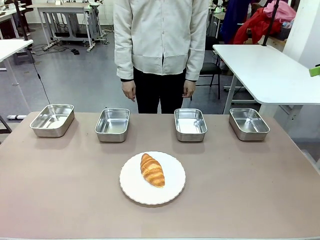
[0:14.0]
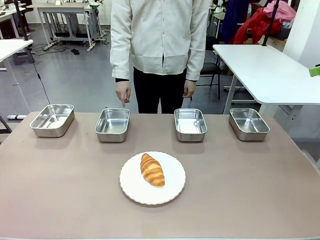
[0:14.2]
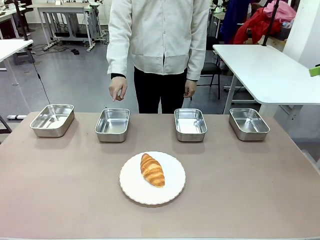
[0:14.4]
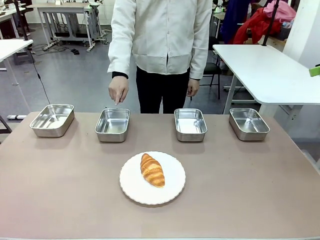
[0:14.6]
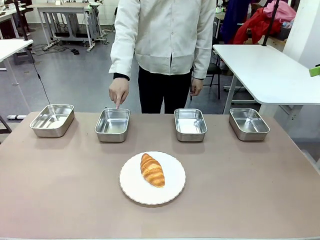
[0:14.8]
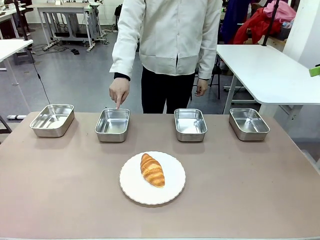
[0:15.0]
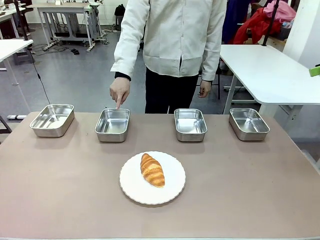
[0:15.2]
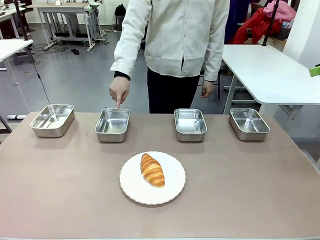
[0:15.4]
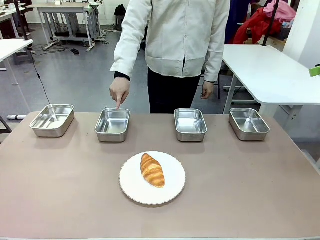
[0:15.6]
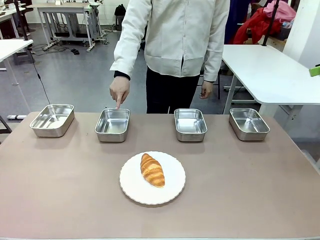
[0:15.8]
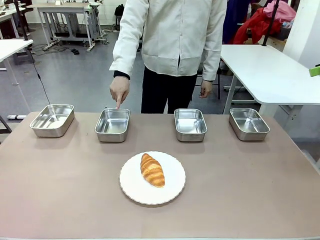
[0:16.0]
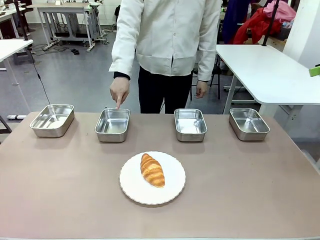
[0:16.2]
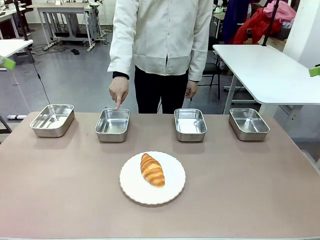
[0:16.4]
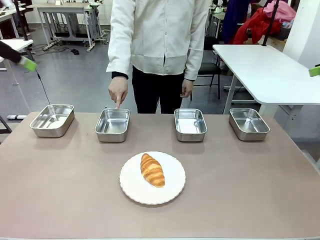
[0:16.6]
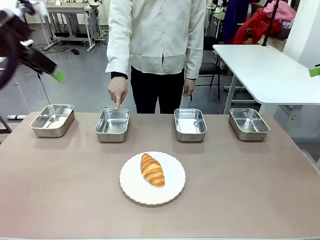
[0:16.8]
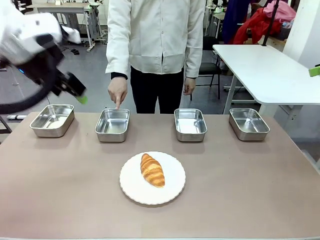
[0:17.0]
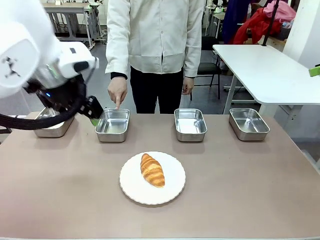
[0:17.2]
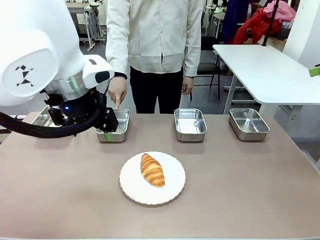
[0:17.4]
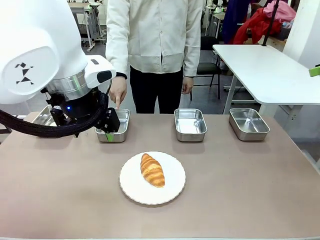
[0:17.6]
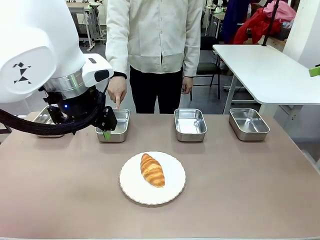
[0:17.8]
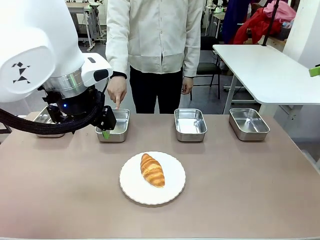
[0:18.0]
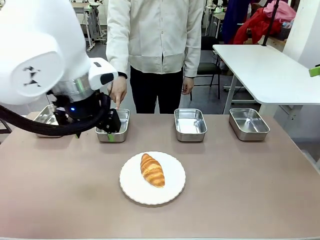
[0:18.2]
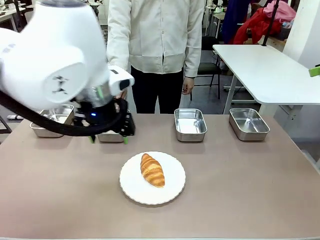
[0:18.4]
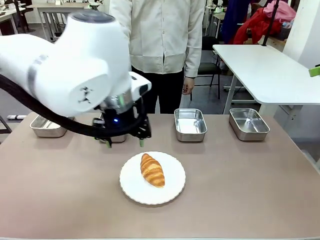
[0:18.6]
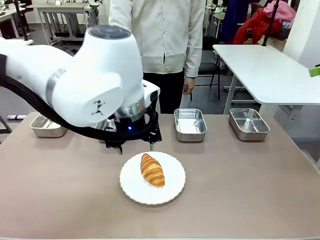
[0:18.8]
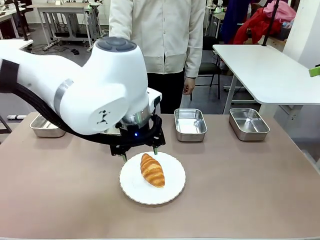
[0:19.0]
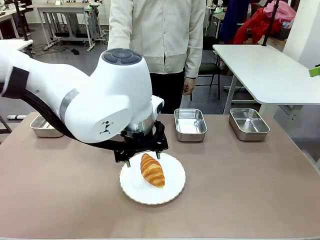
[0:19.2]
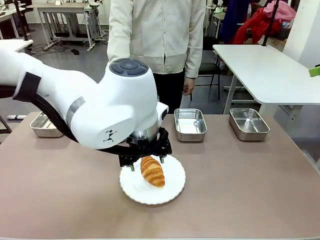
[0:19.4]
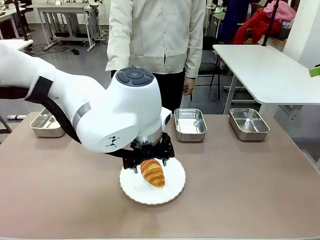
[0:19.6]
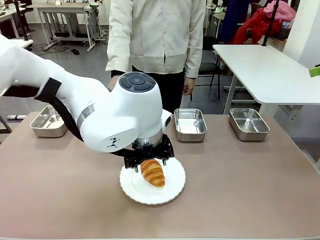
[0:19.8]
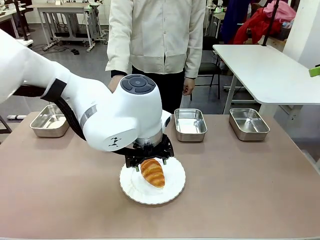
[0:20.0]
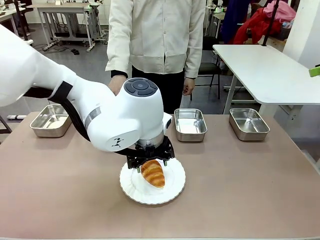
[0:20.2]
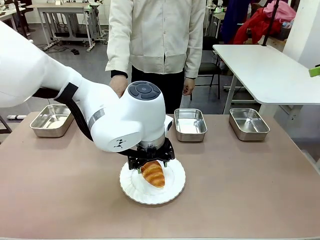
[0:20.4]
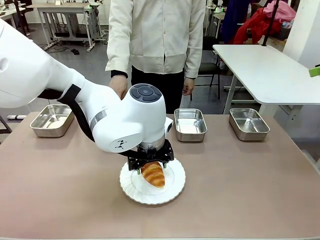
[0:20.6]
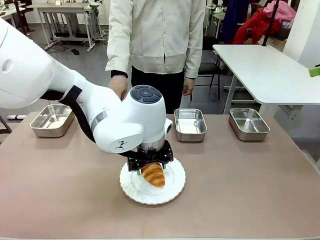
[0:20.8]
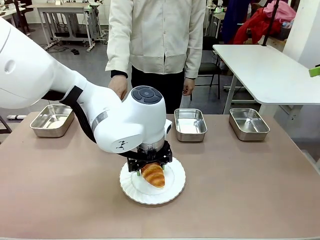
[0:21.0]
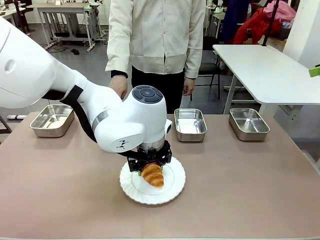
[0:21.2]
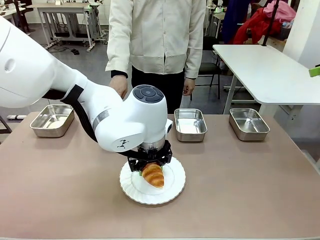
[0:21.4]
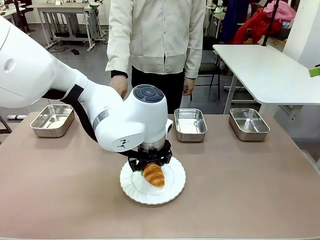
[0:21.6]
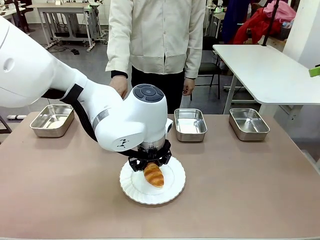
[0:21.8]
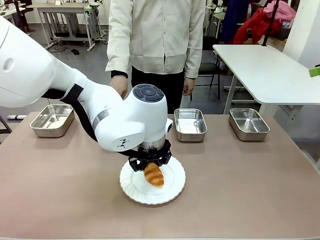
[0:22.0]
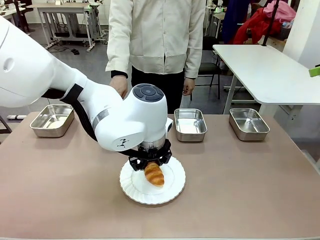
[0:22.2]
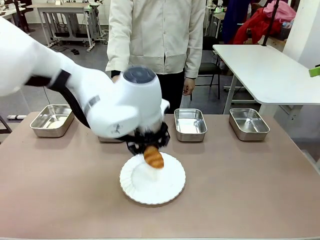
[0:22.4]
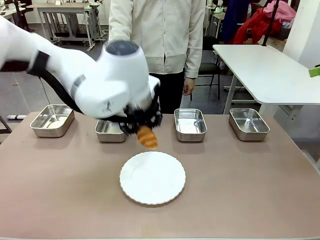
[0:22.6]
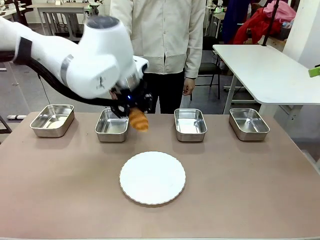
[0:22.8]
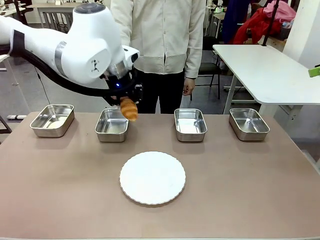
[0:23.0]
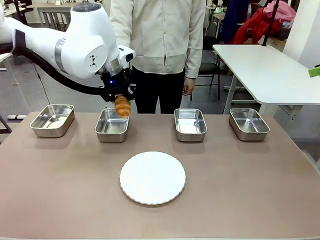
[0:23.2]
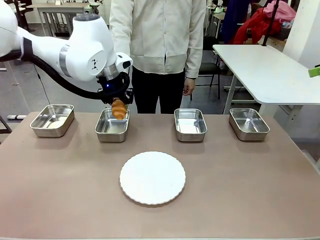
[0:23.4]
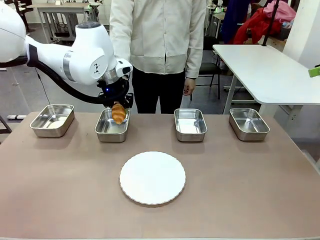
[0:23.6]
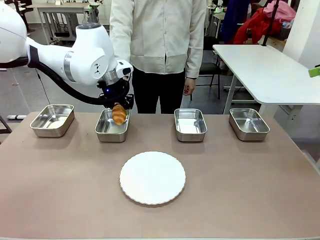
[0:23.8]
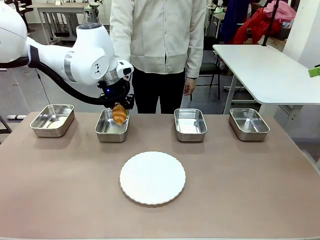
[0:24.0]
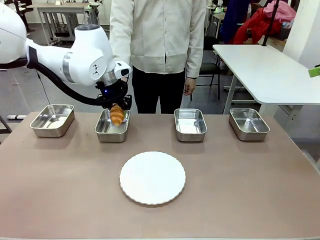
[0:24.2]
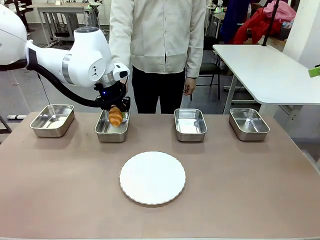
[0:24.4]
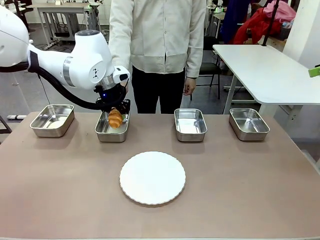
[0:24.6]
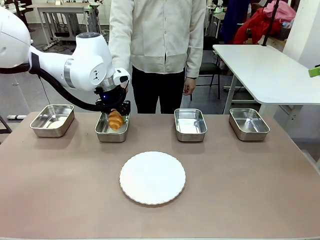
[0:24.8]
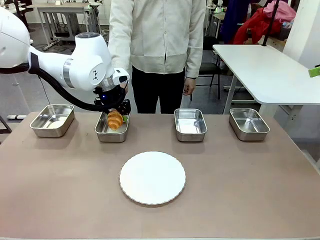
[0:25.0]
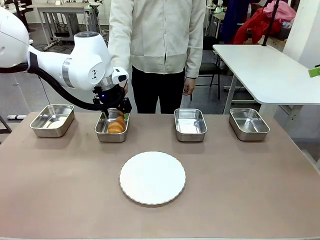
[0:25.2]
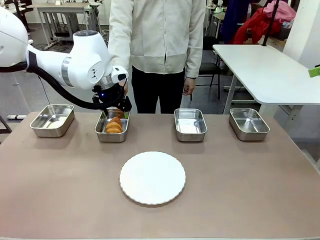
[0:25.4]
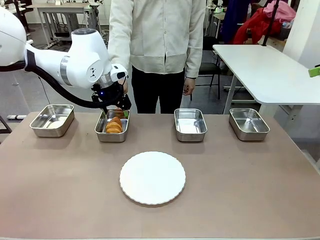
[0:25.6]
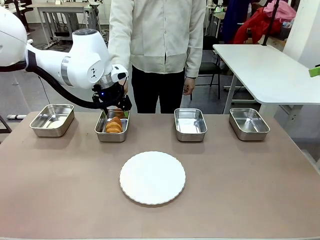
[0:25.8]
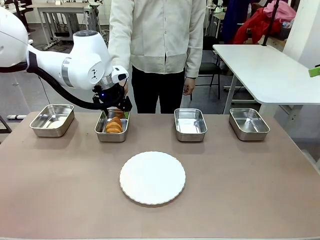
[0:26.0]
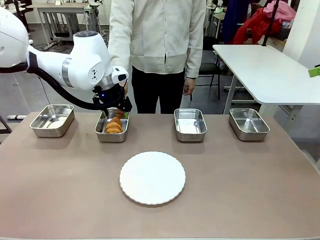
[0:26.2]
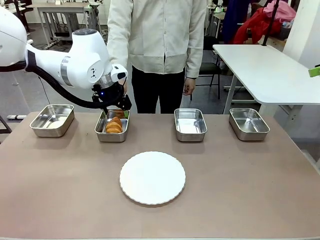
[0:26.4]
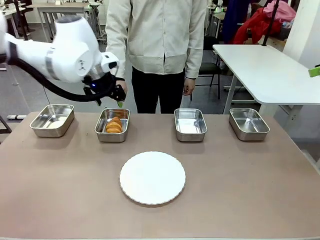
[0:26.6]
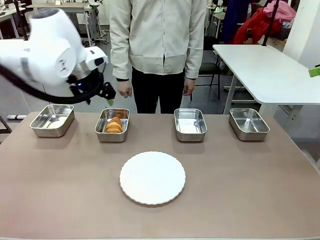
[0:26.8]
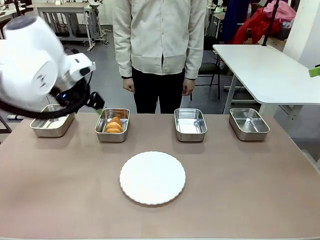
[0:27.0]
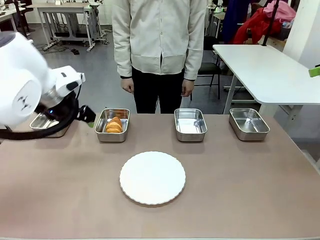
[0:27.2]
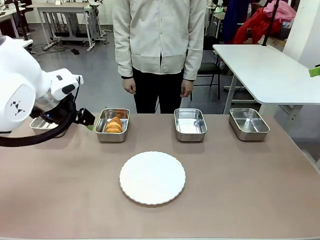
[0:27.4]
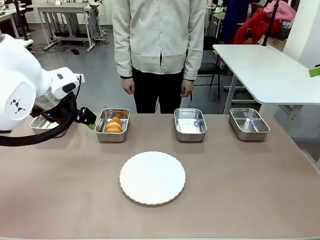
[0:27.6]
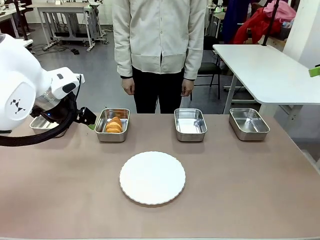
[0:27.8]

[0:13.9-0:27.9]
Task: Place the bread in the container.
Robot: Place the Butter Roll into the Airtight Container indicated by the human.
Person: A person randomly selects and points to an Airtight Container.
